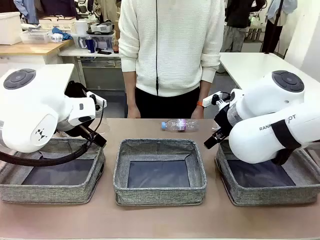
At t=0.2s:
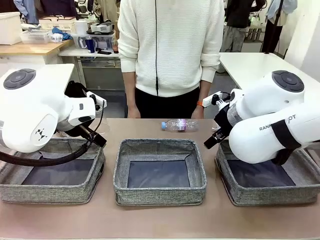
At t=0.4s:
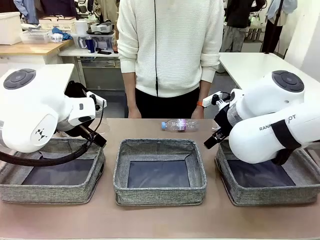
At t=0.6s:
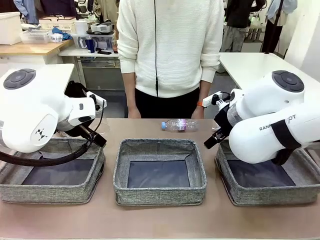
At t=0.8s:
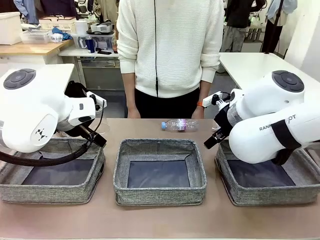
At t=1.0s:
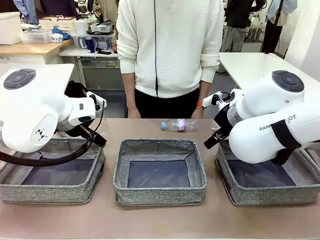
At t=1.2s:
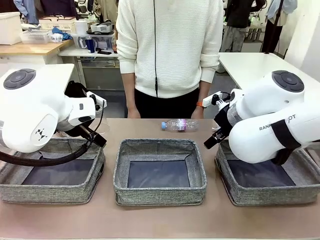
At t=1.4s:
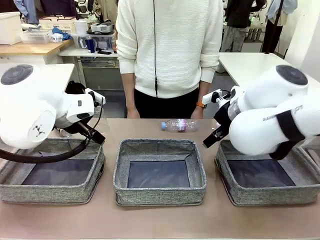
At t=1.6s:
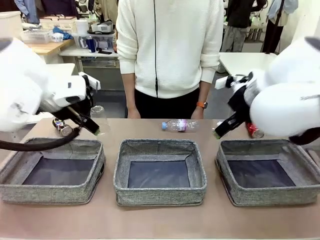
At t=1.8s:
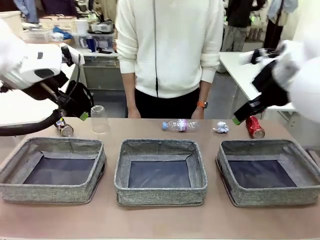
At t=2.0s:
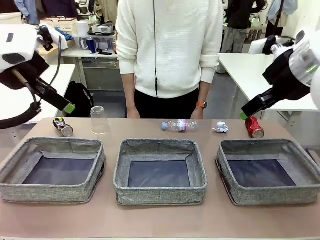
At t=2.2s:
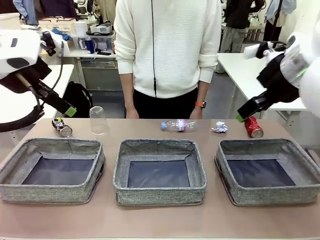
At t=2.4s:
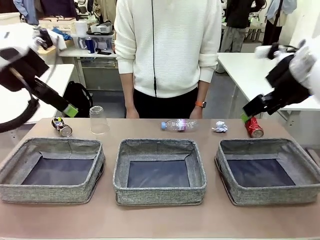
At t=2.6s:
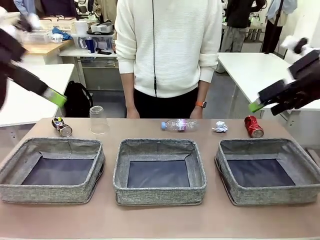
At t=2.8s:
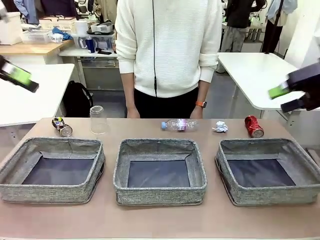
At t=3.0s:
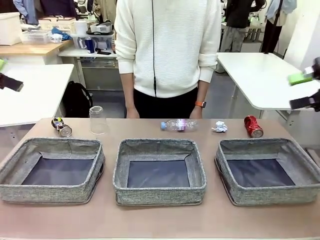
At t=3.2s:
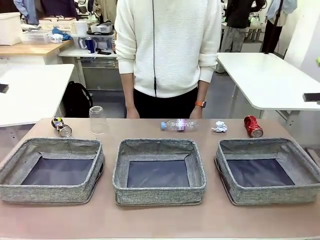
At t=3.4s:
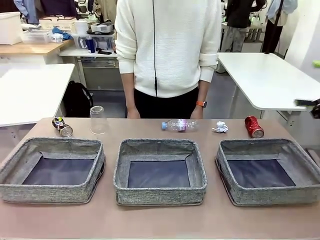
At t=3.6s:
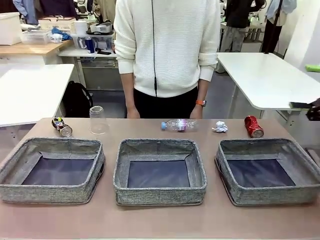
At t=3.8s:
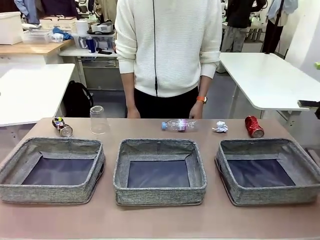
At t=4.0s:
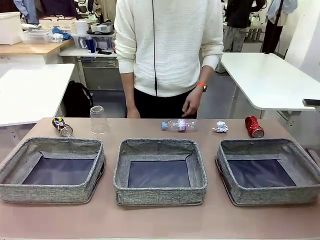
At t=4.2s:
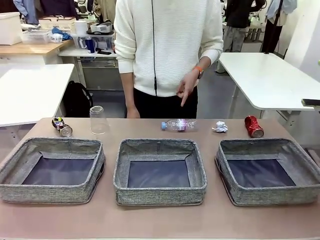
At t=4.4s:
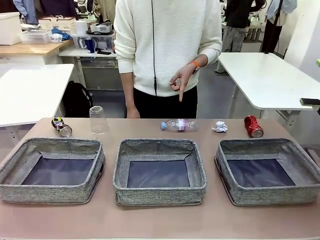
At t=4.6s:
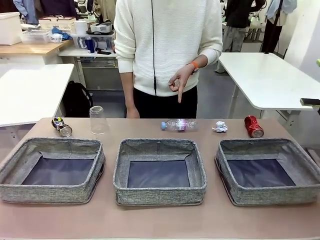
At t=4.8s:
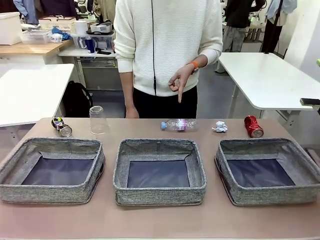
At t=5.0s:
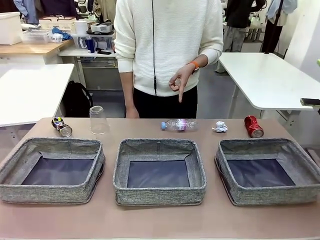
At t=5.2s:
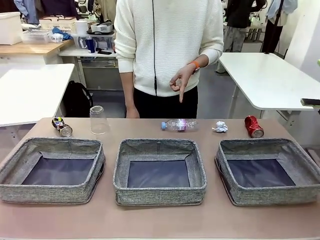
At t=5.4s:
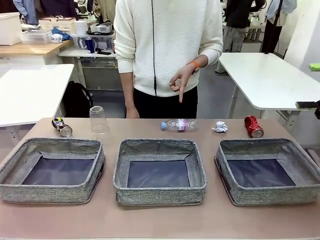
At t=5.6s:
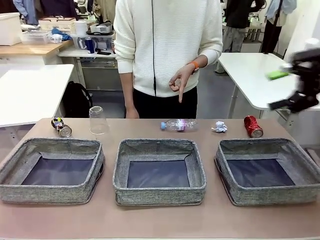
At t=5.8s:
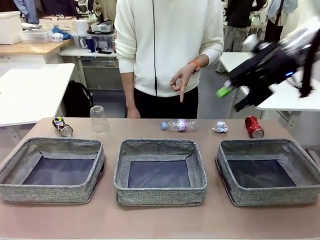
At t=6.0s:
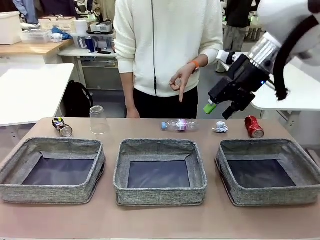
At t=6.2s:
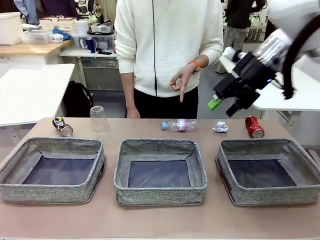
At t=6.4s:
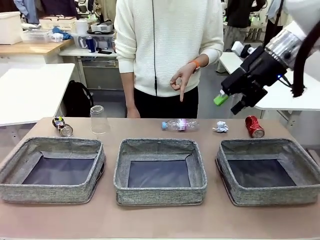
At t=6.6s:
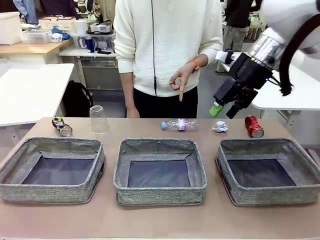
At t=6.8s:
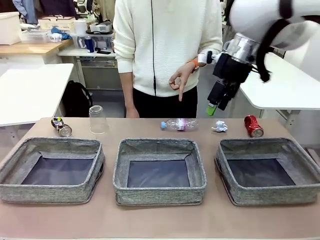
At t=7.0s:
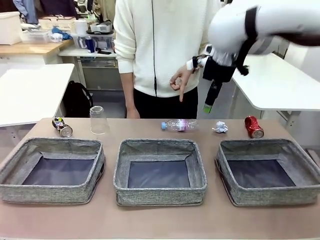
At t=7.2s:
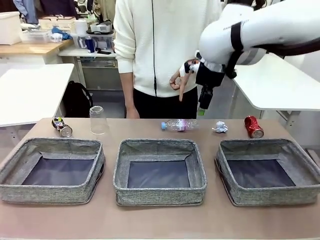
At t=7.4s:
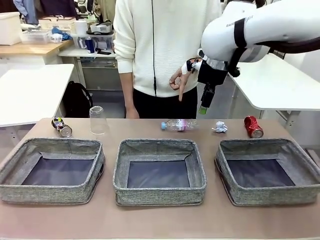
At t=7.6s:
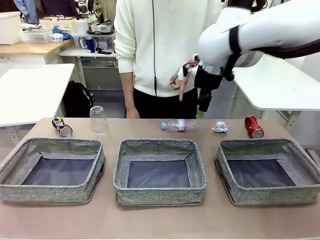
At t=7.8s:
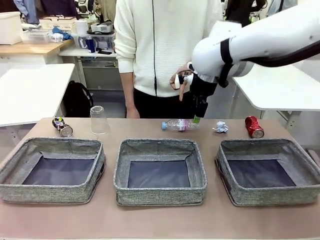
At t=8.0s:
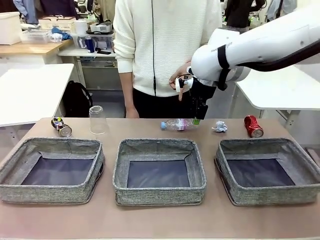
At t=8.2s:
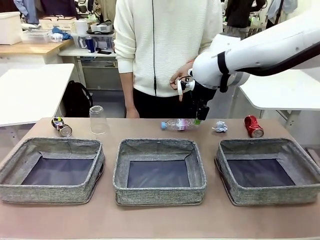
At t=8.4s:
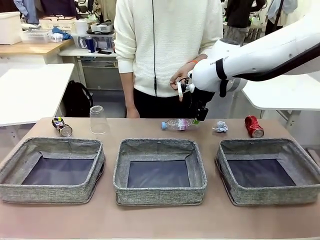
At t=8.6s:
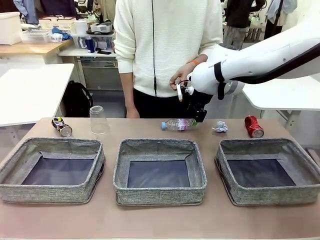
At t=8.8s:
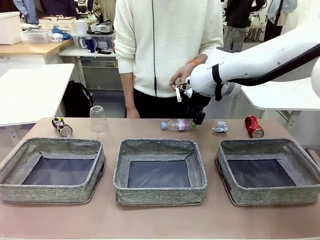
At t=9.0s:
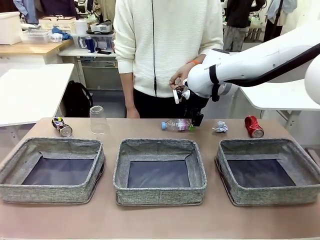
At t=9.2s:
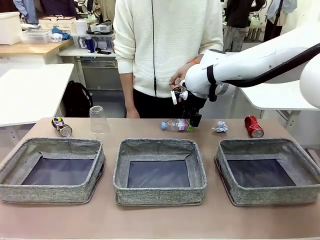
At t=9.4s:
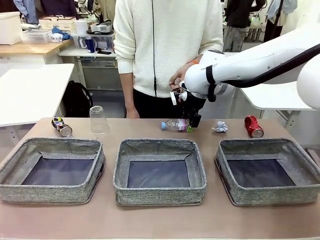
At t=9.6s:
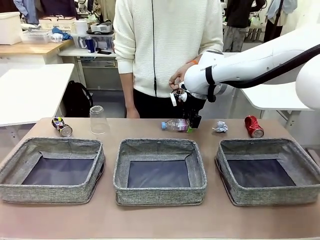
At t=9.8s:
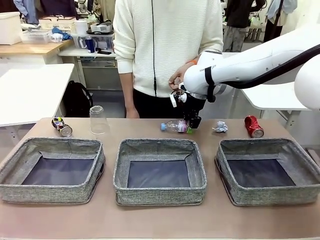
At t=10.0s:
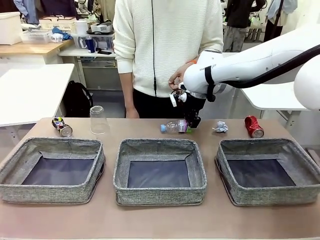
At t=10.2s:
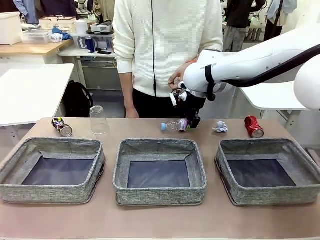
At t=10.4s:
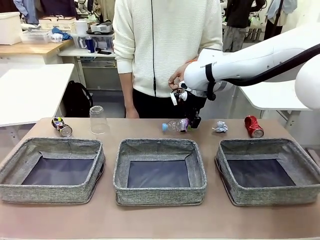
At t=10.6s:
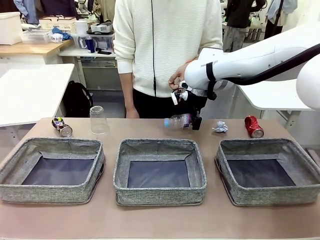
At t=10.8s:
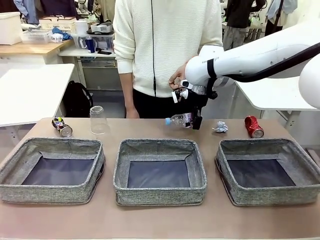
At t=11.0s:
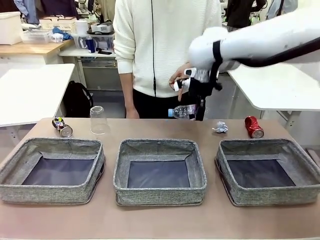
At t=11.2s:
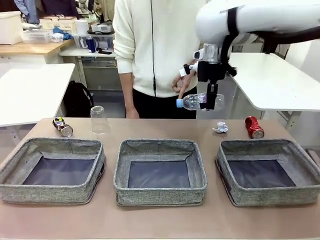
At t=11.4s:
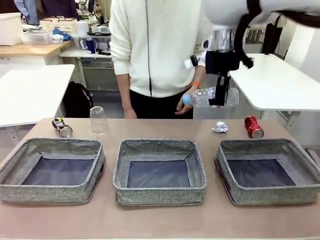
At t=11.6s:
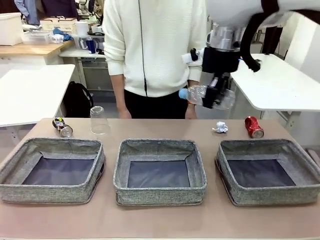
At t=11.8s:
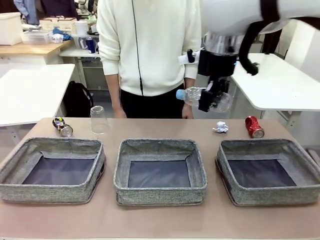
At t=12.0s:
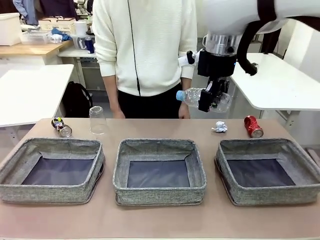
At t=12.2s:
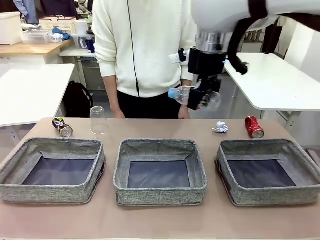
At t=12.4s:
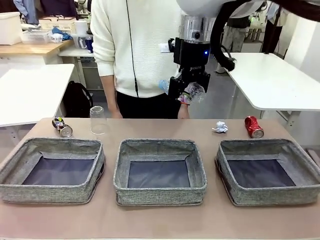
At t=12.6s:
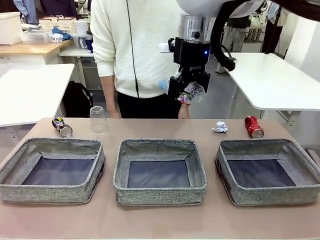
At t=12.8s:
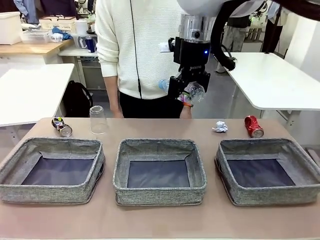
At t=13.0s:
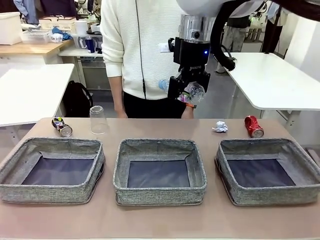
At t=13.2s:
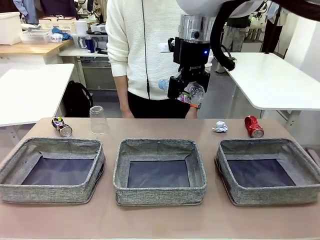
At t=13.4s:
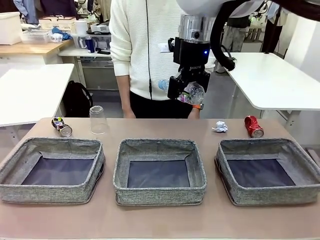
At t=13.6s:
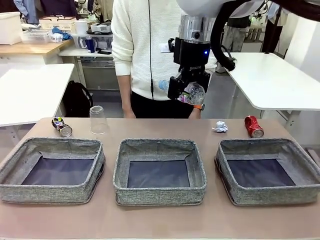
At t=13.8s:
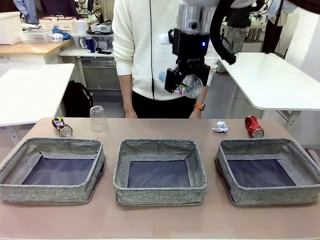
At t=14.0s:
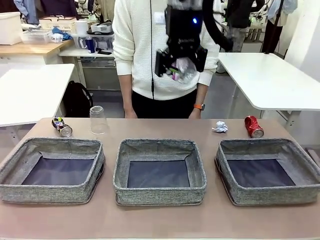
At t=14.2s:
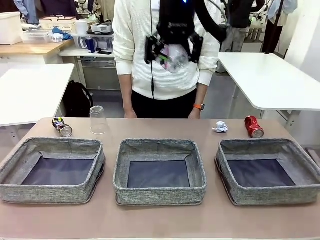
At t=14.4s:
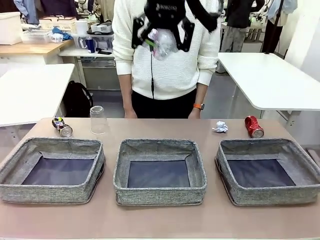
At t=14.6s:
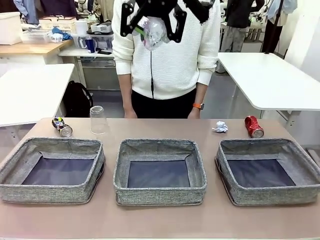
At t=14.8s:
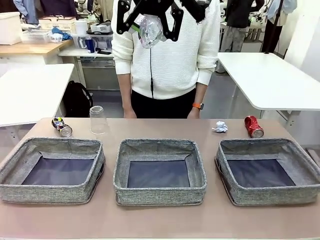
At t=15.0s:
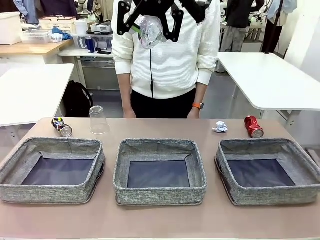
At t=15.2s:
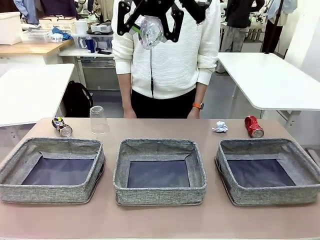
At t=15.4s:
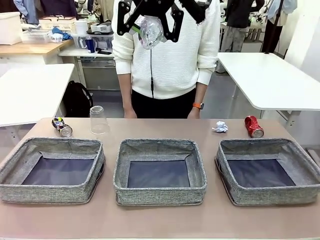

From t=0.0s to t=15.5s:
Task: Sort the waste into the appropriate baskets.
Robot: Pick up the waste item pointed out by the person.
Person: Points to one piece of trash on the table.

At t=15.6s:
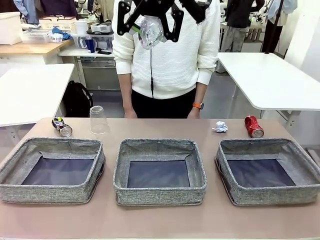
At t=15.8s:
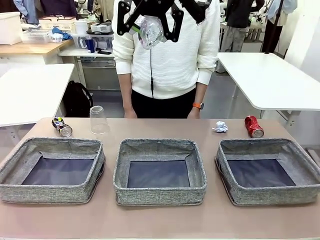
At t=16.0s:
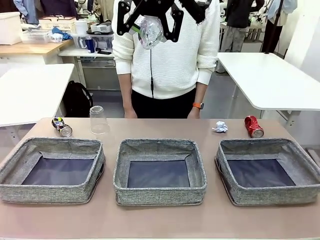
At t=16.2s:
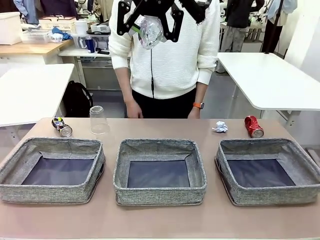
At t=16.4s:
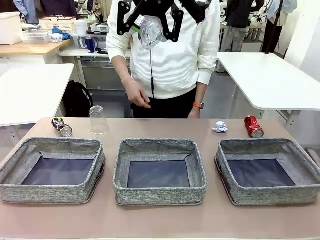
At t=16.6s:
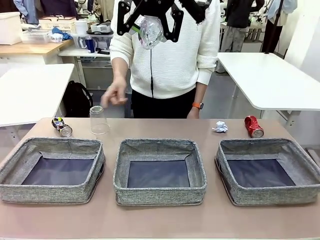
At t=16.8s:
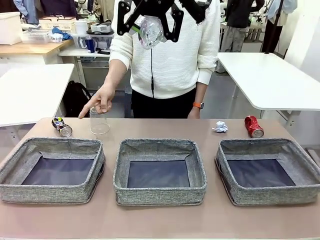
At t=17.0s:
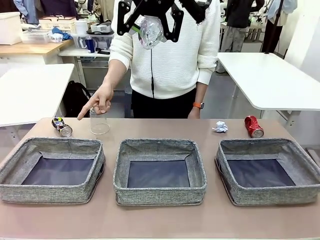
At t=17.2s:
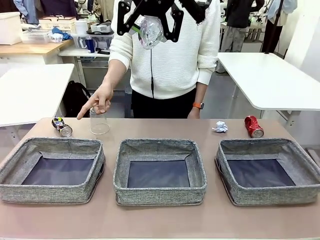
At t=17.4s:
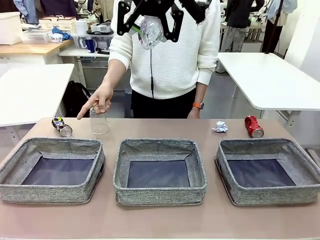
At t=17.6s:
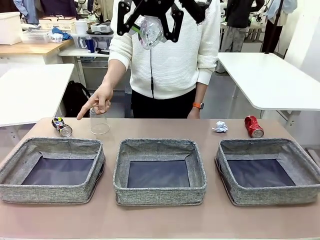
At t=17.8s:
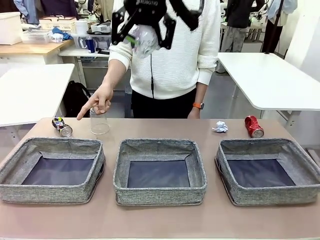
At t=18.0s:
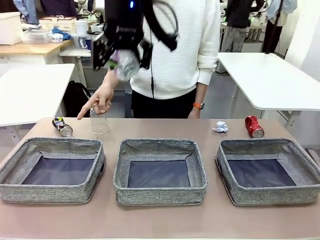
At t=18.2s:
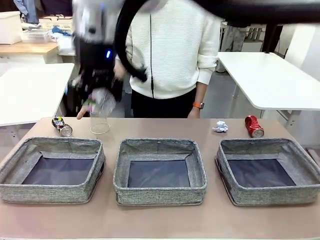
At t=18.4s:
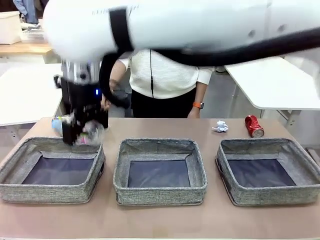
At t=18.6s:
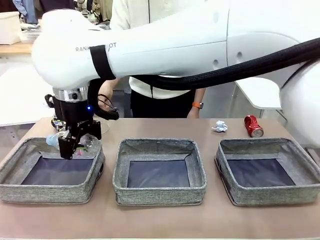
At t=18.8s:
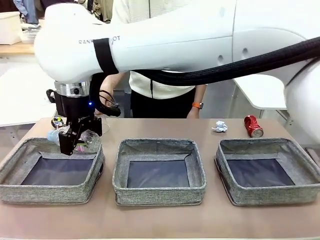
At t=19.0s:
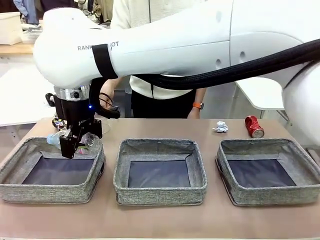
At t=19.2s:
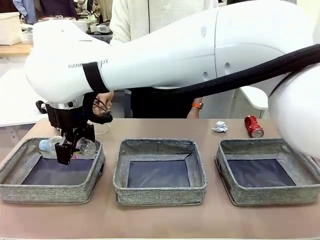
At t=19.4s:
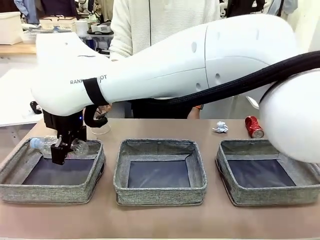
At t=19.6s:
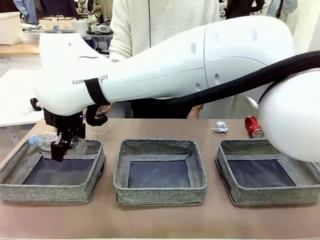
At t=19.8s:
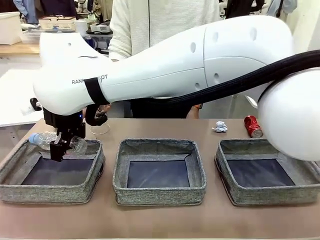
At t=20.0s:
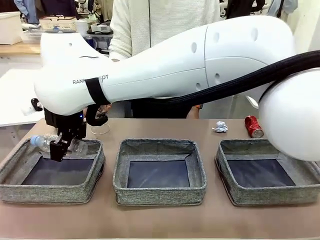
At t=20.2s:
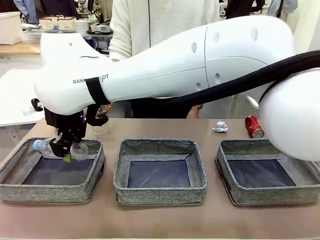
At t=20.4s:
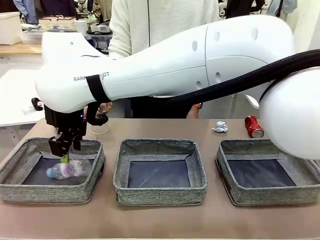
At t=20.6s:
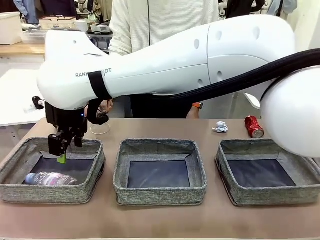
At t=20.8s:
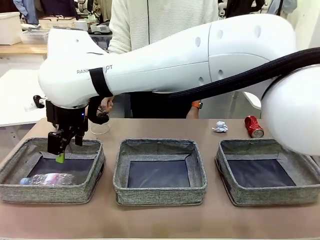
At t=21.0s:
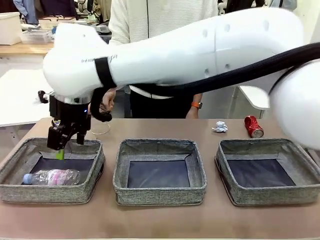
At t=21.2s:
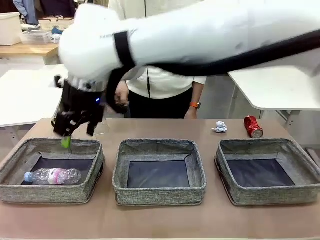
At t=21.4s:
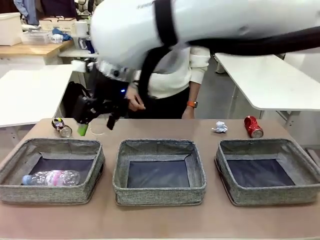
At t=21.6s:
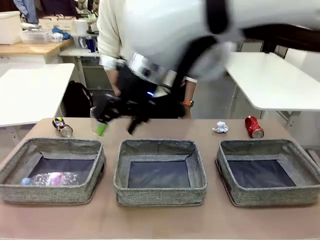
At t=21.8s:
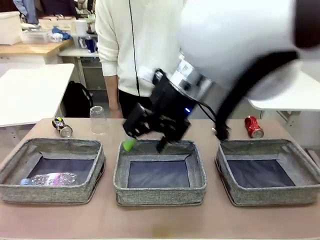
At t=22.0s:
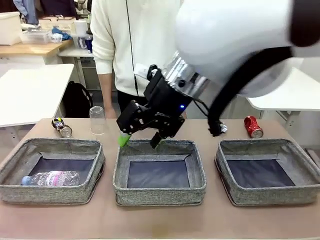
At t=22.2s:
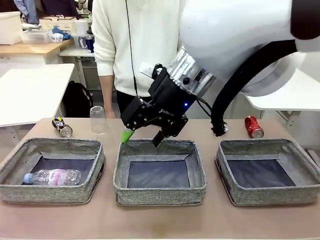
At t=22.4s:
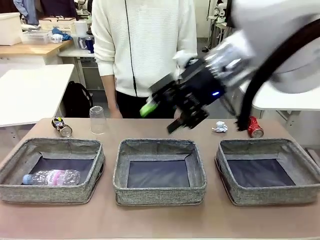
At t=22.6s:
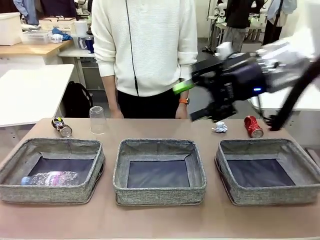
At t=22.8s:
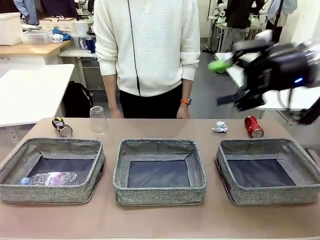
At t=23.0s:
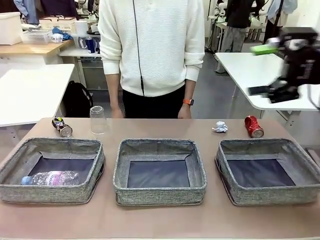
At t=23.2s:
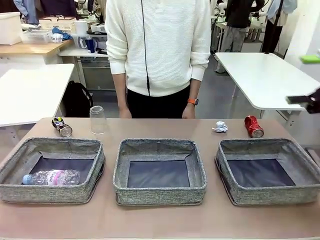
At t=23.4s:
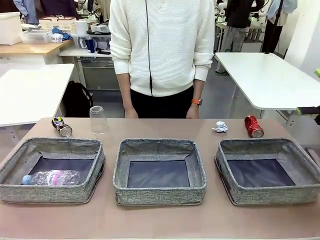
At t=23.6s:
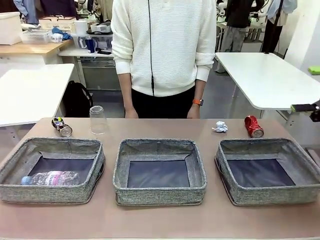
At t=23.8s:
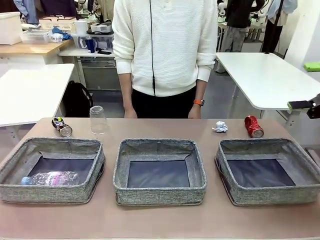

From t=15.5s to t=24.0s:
Robot: Place the picked waste into the Fabric basket indicated by the person.
Person: Instructs the robot to place the picked-up trash into the appropriate organizing basket.
